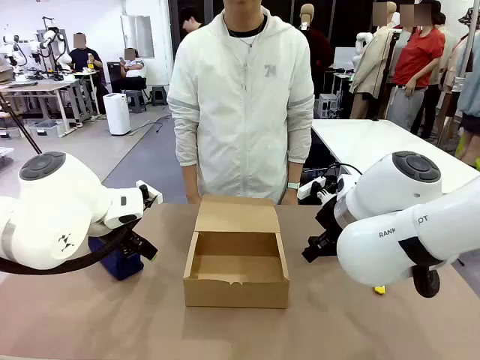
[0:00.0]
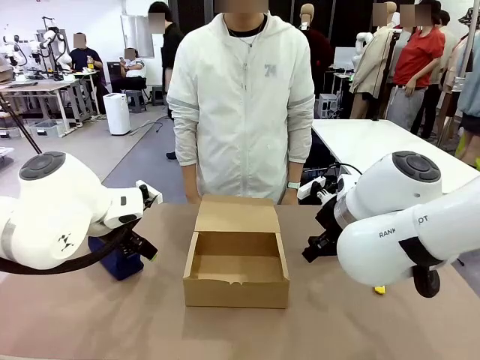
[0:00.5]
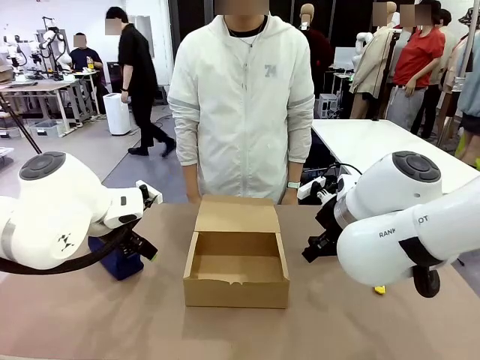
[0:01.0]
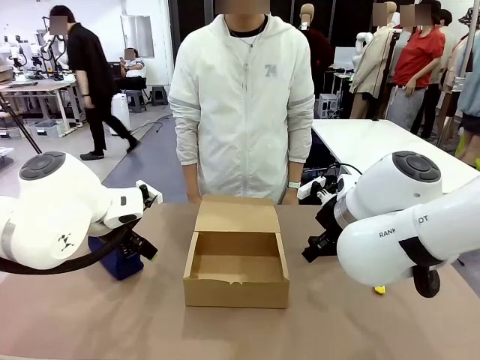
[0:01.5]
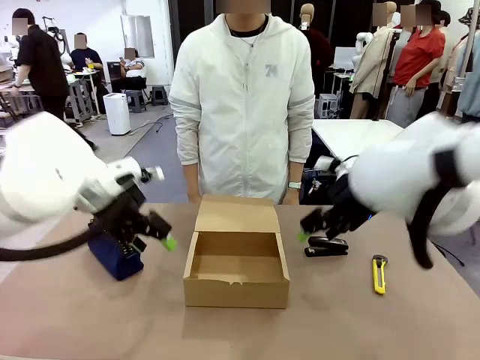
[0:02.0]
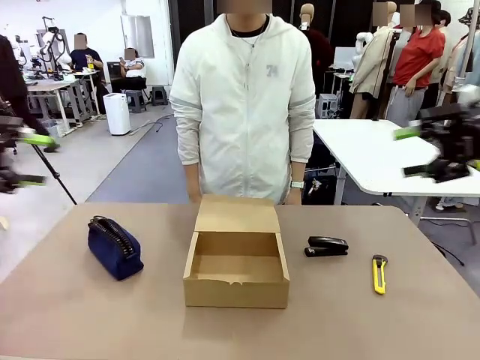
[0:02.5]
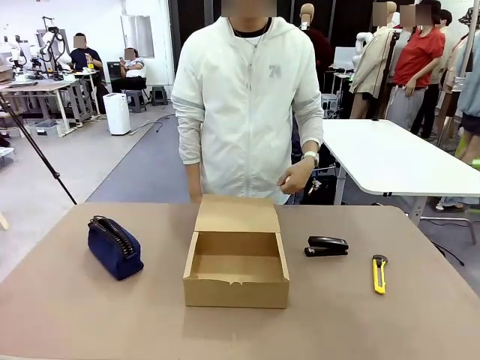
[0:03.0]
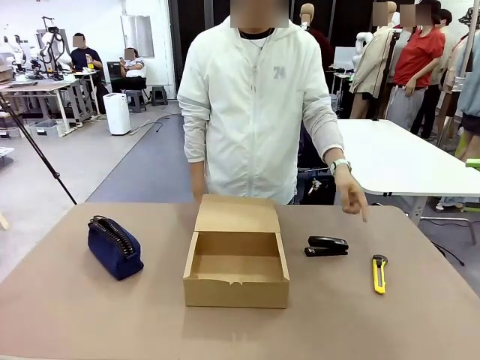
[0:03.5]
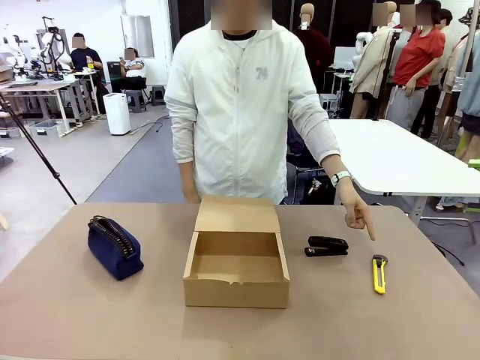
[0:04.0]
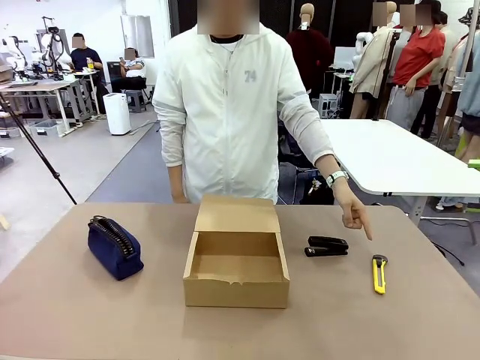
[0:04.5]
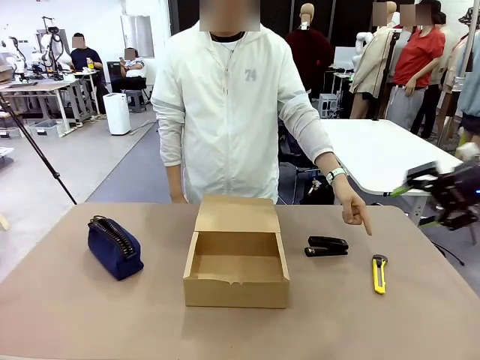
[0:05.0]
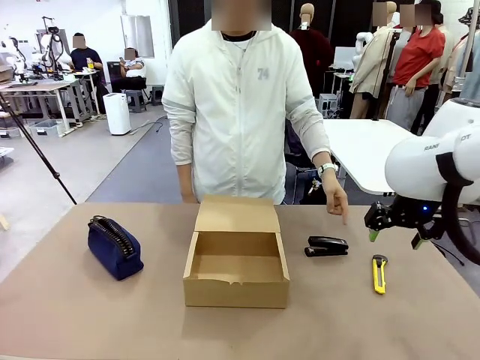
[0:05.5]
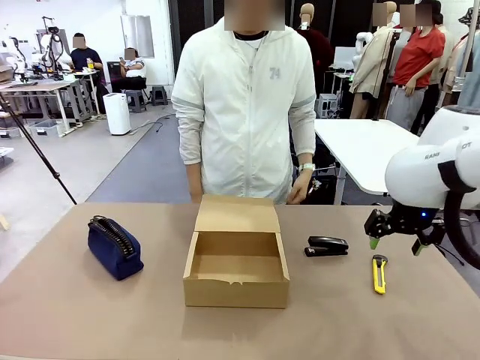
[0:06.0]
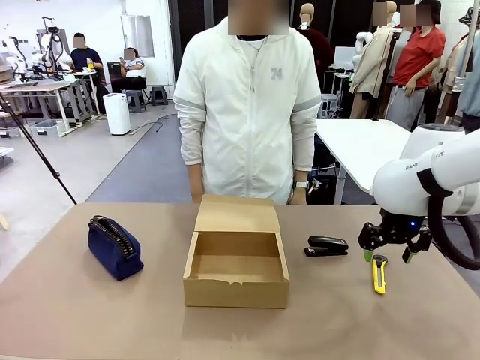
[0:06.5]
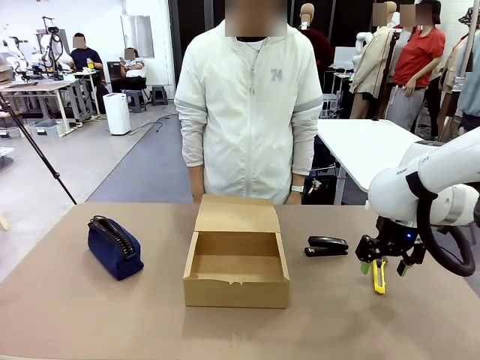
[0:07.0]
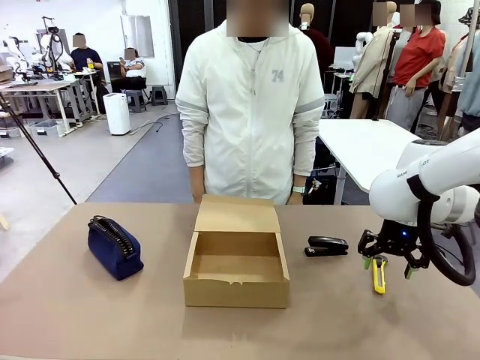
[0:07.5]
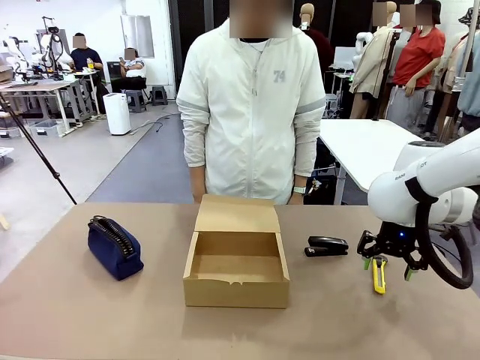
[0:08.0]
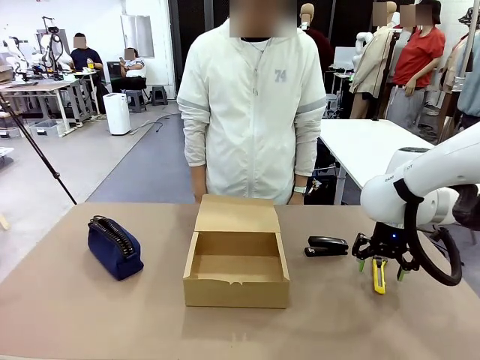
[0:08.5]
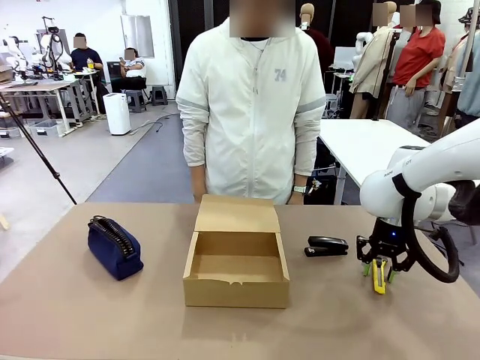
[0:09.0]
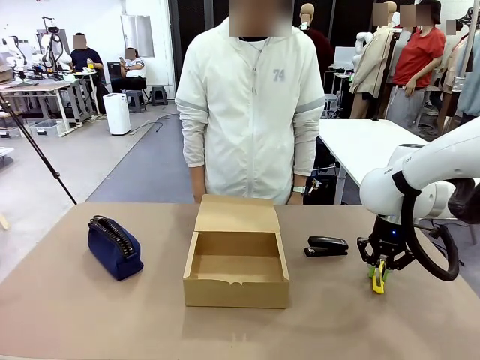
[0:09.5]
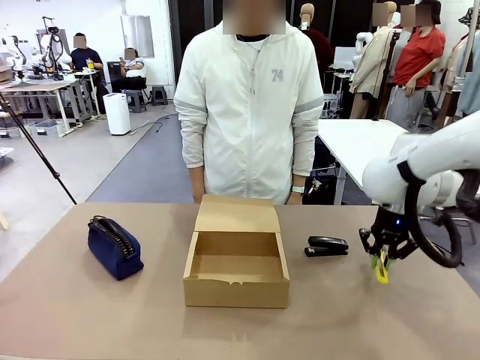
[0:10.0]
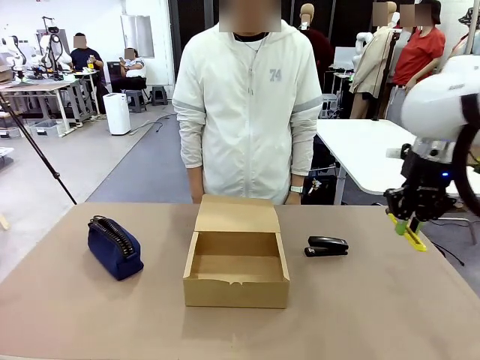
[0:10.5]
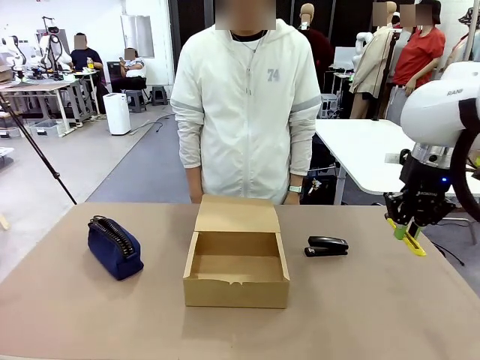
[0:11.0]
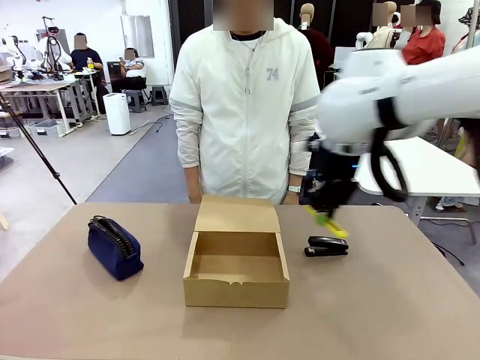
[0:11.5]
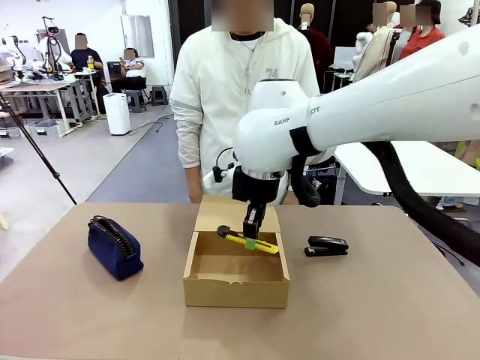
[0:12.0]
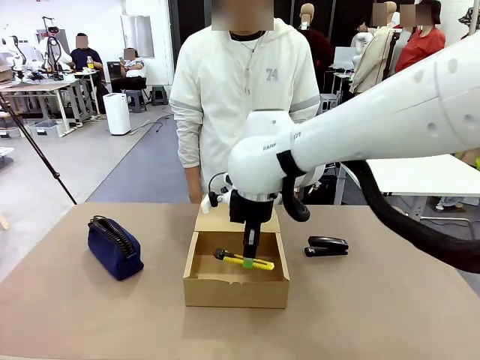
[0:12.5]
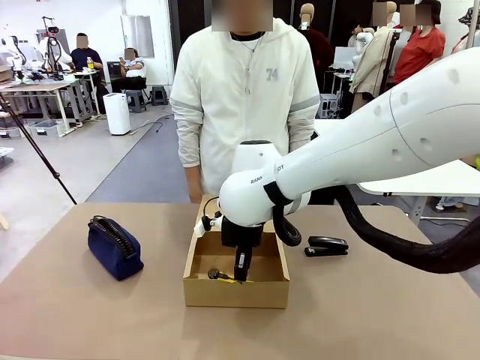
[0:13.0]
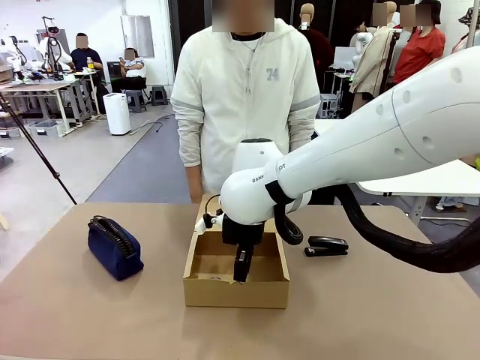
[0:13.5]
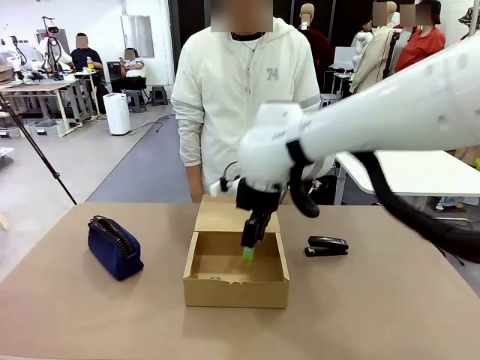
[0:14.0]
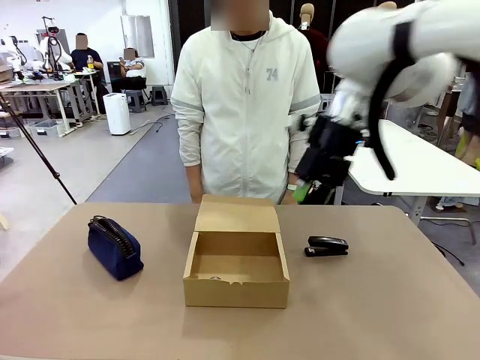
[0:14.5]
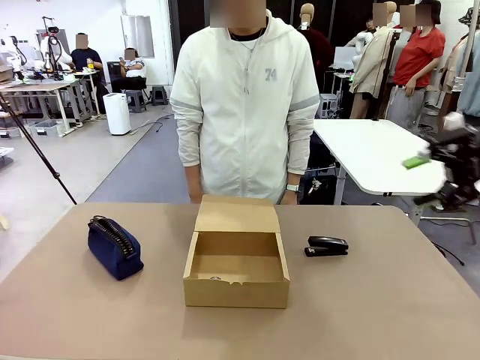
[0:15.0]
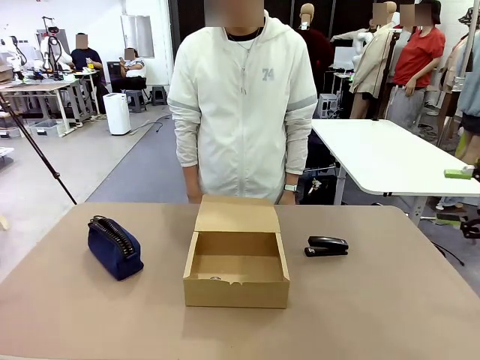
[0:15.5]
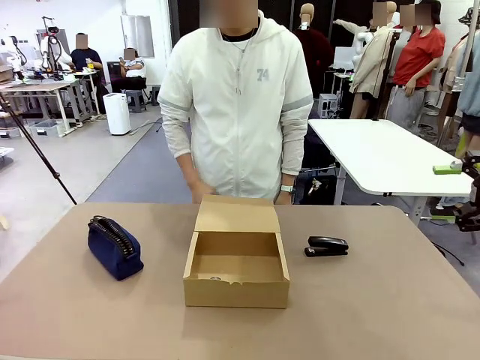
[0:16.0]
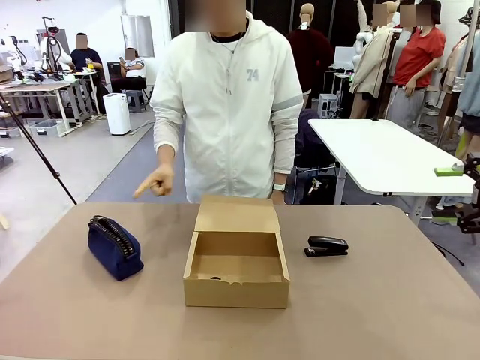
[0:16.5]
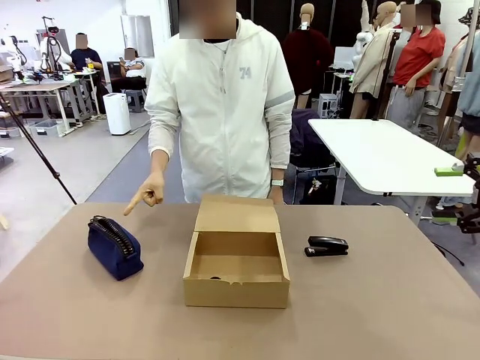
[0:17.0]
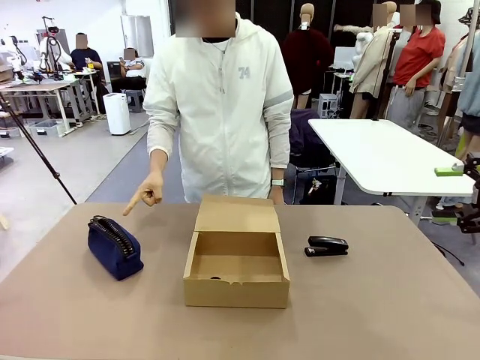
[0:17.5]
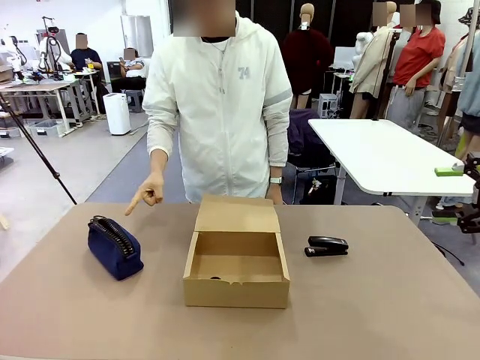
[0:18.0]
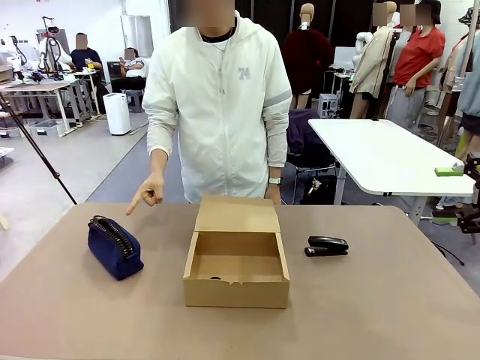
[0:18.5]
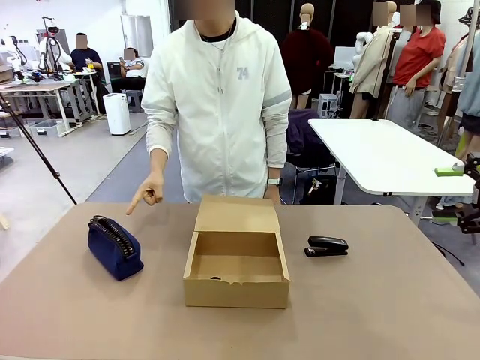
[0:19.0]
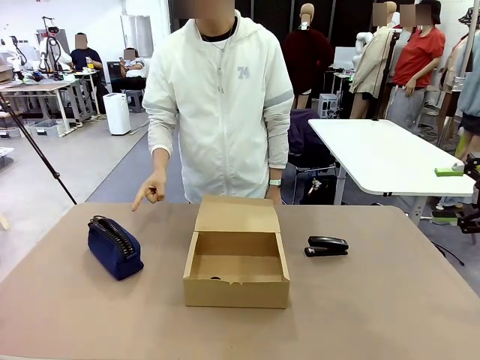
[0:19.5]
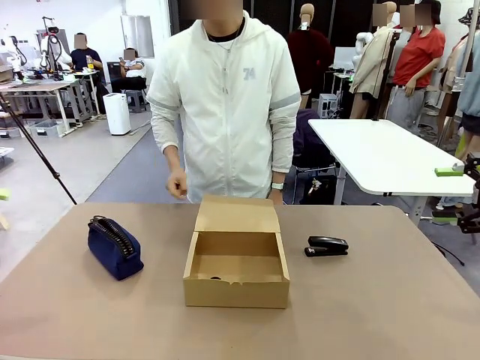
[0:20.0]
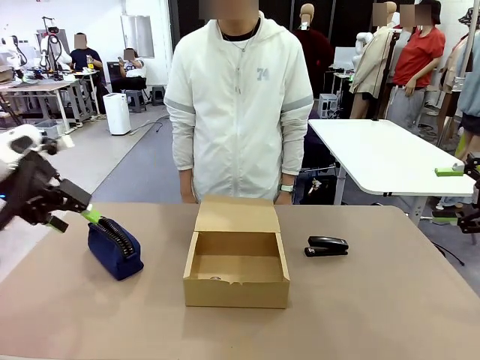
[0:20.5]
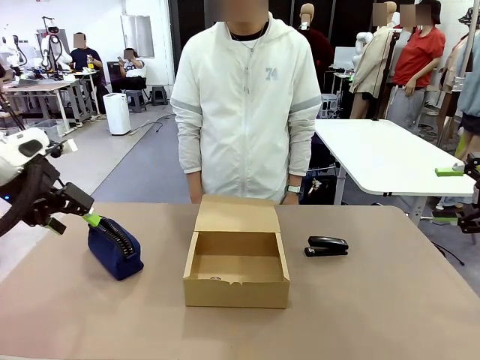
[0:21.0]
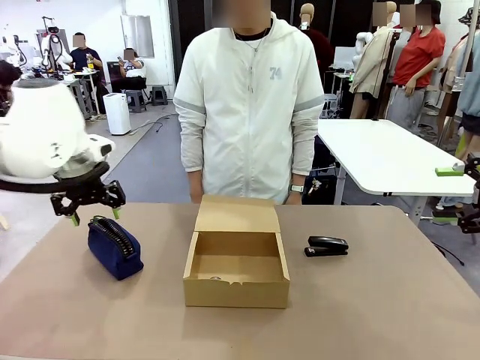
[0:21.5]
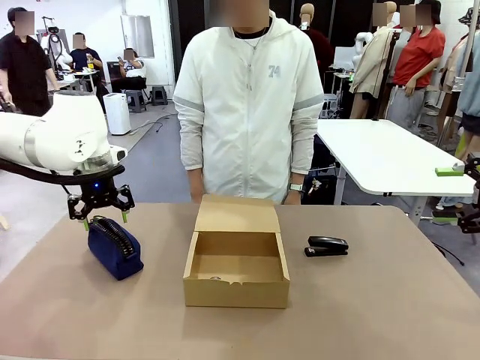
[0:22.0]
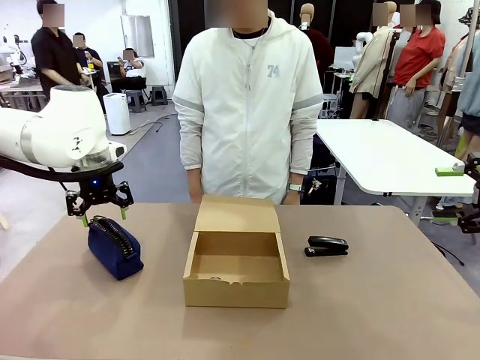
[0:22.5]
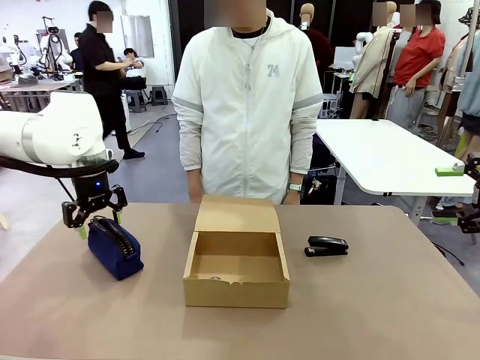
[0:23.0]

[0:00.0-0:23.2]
Task: Pack the items into the box.
Robot: Pick up the item indicated by the person and place it inside the Mailer Box.
Person: Point at one item on the table (excluding the box).
